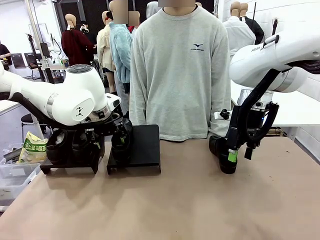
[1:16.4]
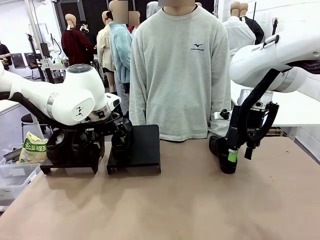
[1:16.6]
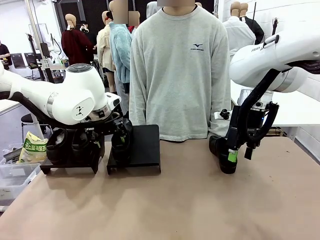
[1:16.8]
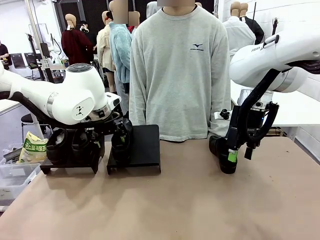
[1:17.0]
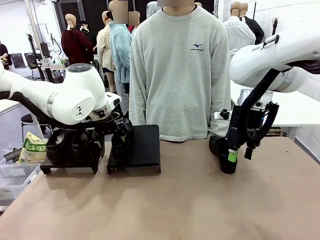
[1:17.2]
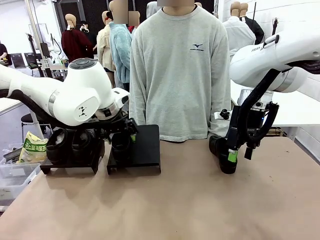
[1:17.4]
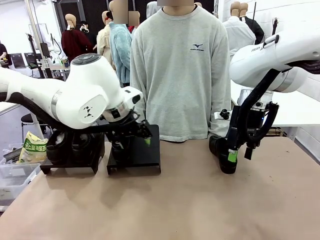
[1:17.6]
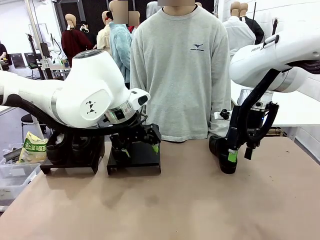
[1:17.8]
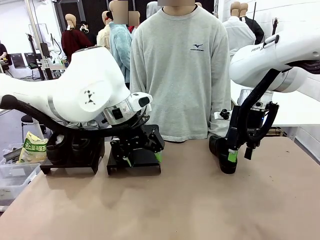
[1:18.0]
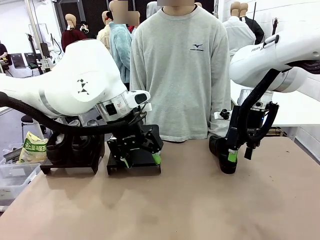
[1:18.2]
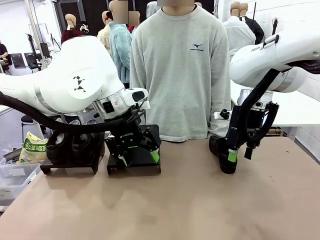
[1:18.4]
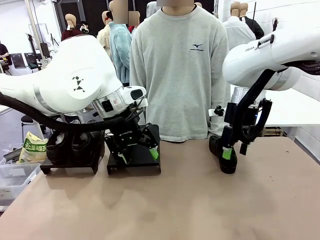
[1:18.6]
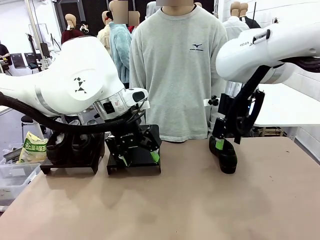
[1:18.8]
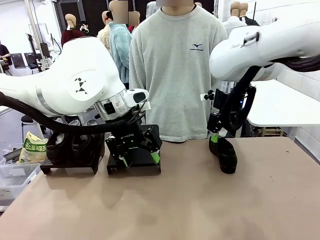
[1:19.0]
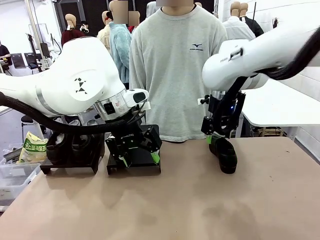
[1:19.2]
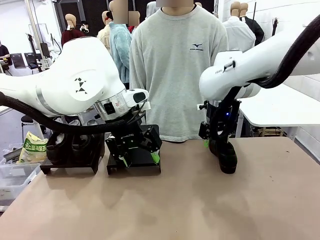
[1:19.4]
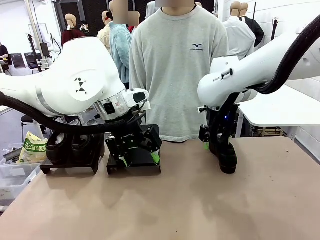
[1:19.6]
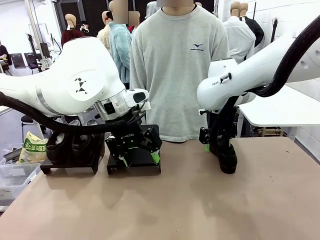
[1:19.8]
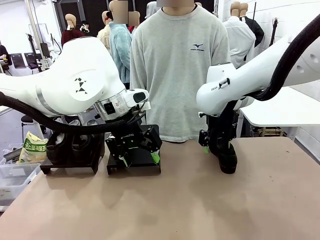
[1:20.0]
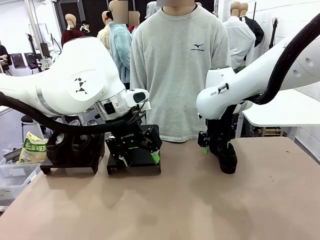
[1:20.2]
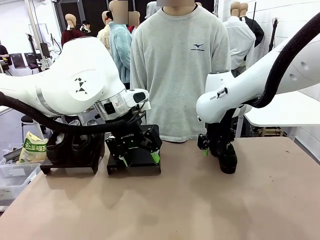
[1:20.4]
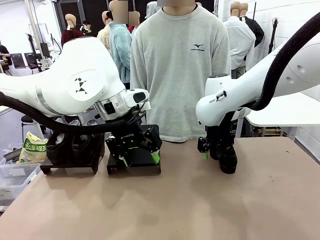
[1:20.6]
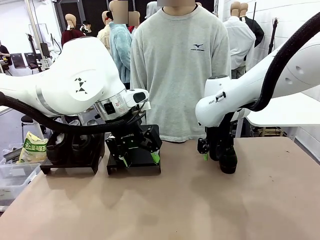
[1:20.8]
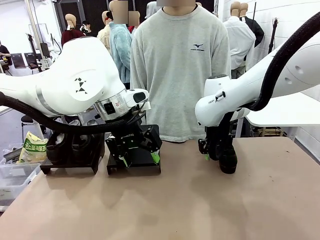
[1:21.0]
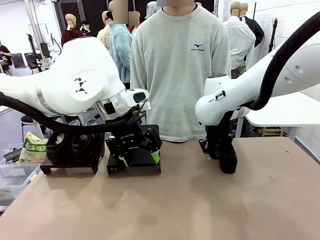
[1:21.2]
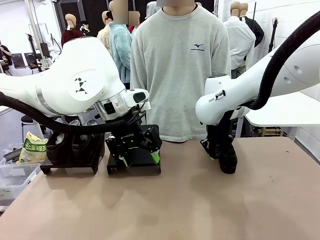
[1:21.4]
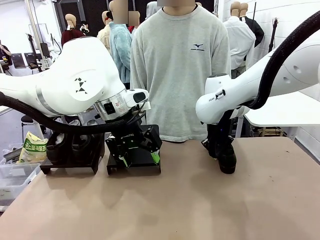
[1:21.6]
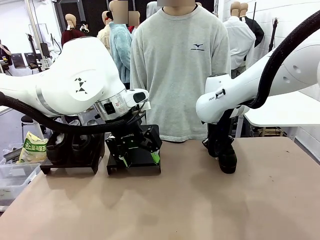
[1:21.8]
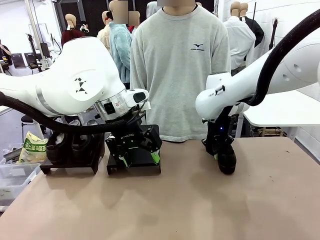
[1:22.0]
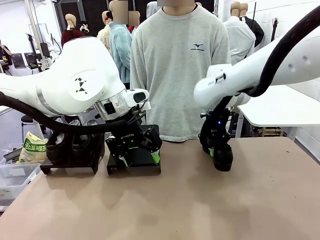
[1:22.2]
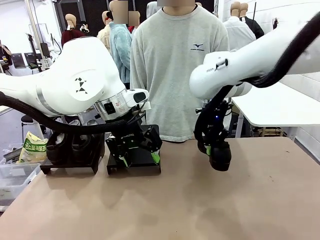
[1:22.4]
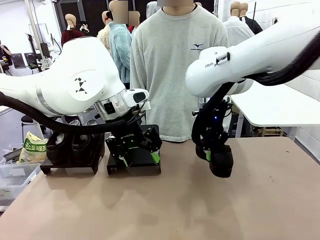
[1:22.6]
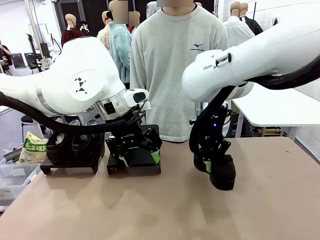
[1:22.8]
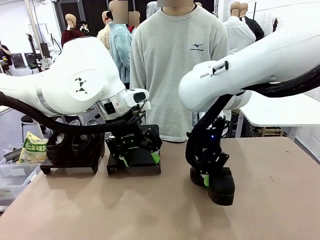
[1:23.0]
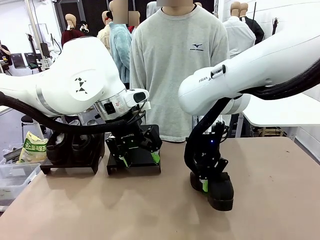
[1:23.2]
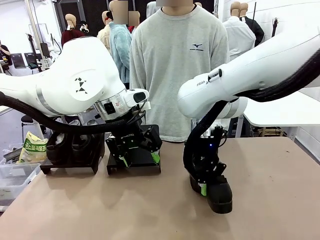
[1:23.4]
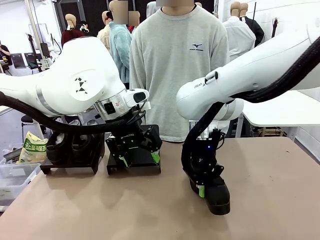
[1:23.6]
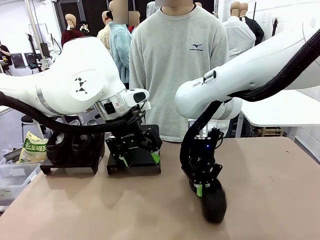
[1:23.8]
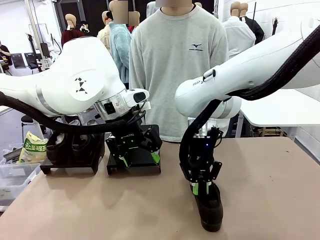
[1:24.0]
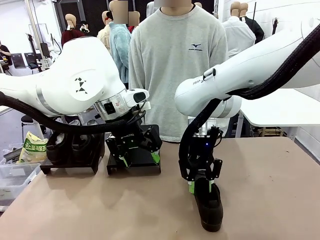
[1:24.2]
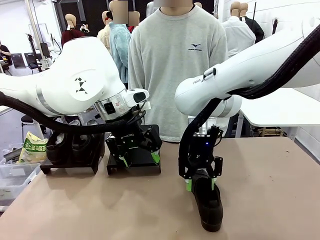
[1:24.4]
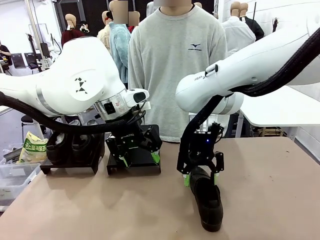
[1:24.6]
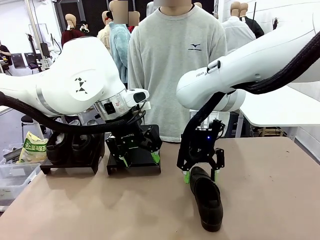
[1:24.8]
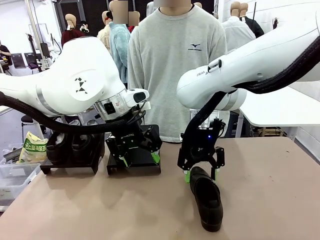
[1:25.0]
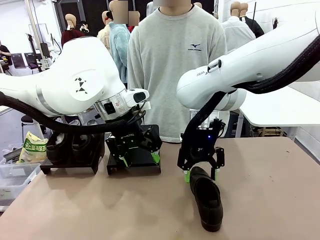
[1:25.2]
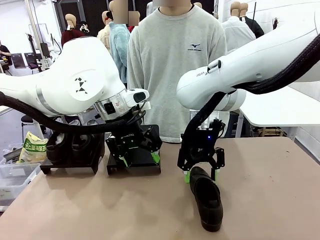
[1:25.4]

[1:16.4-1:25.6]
Task: Organize the shoes by placing them on the stand.
Robot: Pick up one Shoe and place it in the middle of the table.

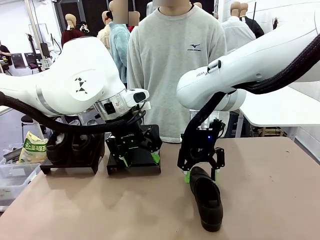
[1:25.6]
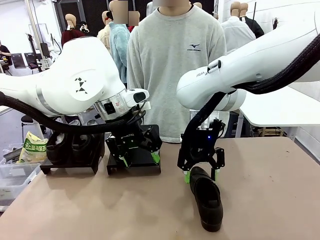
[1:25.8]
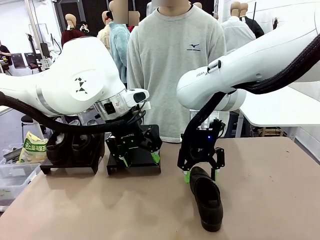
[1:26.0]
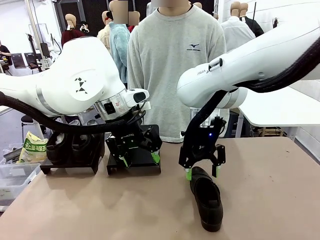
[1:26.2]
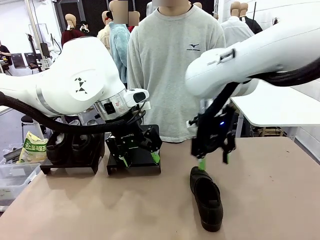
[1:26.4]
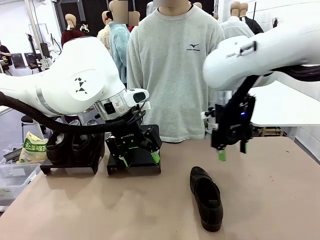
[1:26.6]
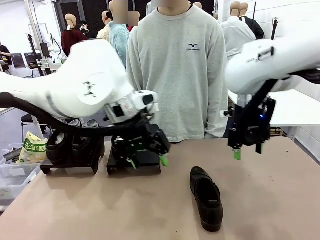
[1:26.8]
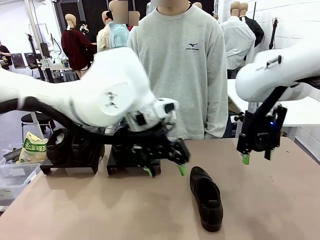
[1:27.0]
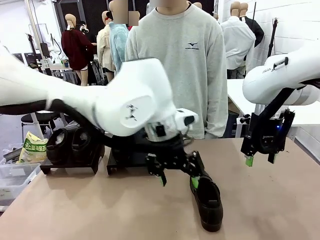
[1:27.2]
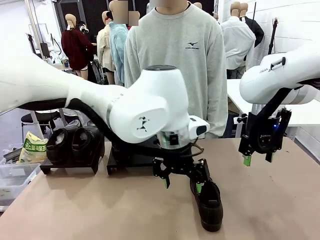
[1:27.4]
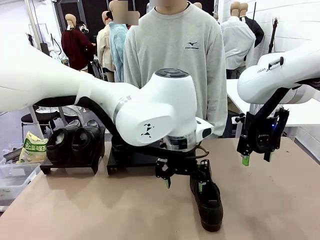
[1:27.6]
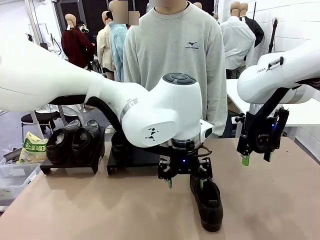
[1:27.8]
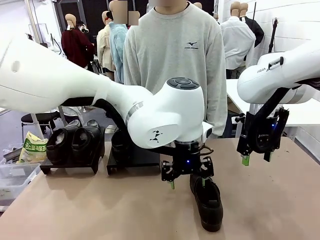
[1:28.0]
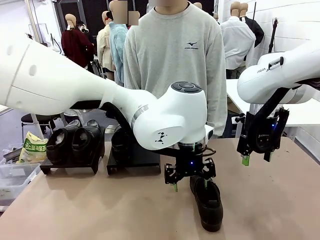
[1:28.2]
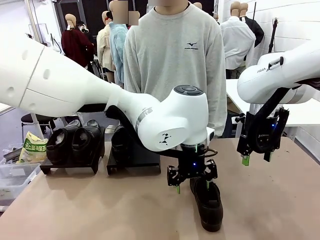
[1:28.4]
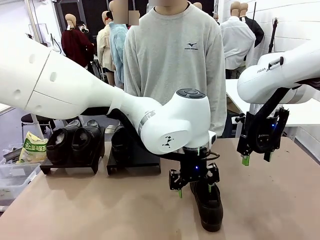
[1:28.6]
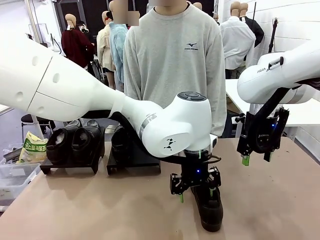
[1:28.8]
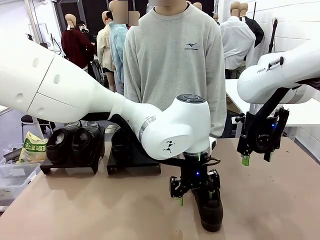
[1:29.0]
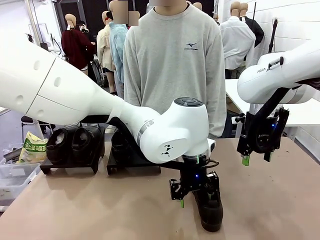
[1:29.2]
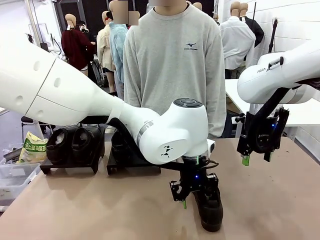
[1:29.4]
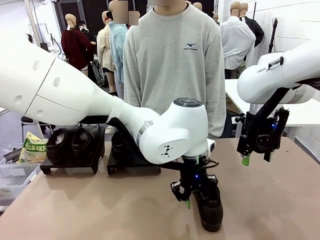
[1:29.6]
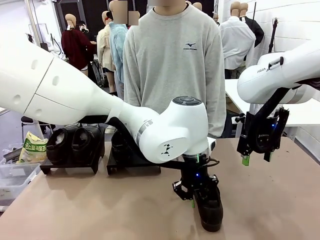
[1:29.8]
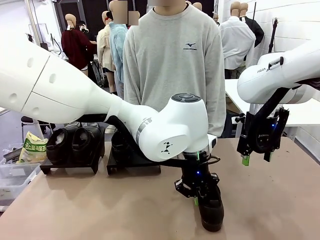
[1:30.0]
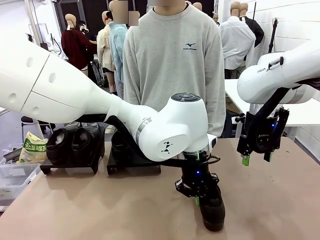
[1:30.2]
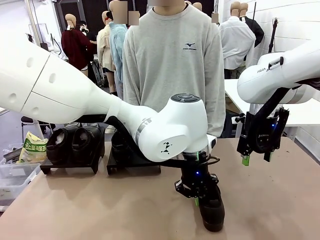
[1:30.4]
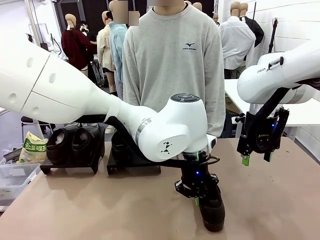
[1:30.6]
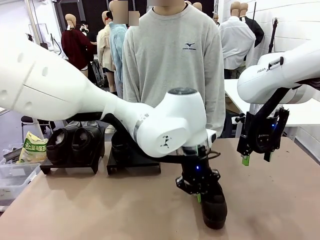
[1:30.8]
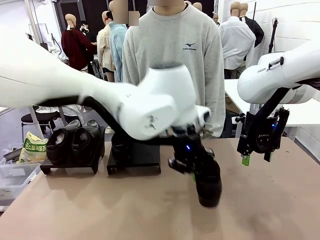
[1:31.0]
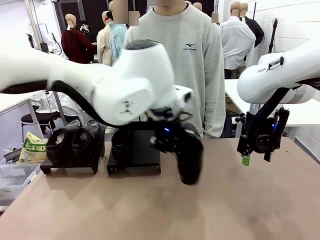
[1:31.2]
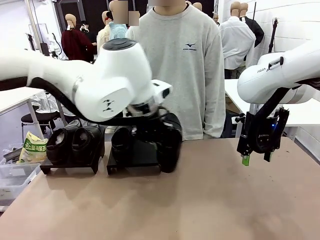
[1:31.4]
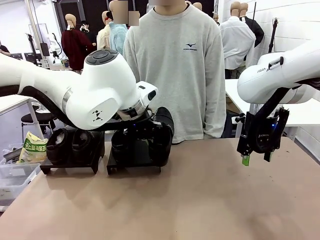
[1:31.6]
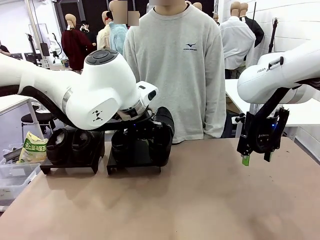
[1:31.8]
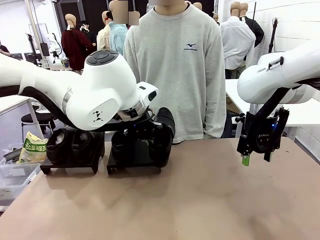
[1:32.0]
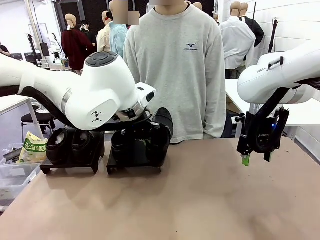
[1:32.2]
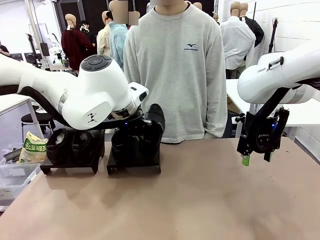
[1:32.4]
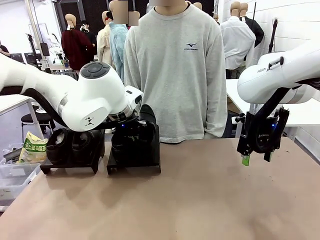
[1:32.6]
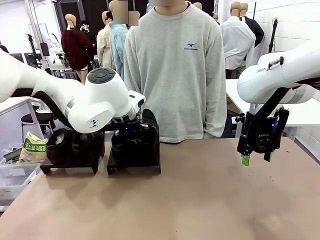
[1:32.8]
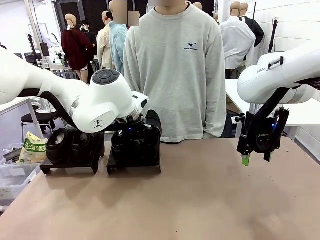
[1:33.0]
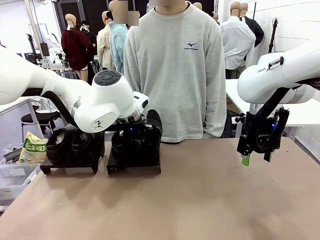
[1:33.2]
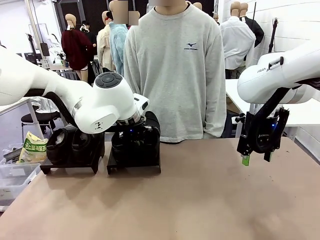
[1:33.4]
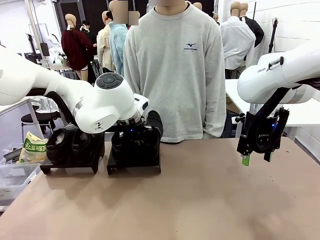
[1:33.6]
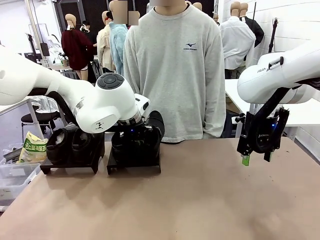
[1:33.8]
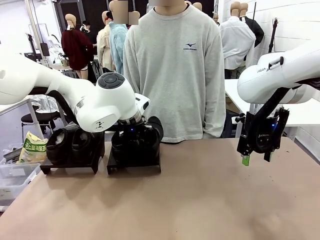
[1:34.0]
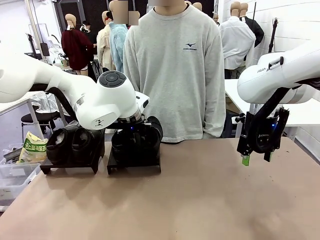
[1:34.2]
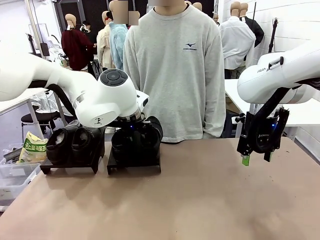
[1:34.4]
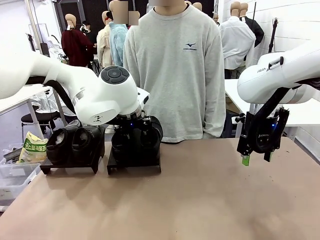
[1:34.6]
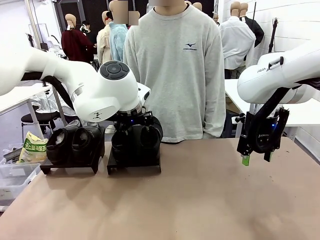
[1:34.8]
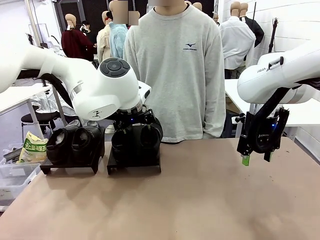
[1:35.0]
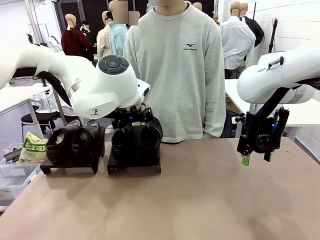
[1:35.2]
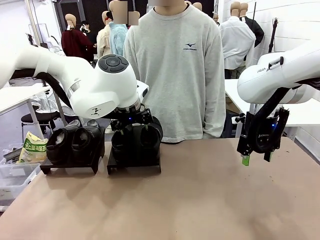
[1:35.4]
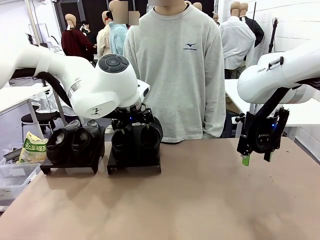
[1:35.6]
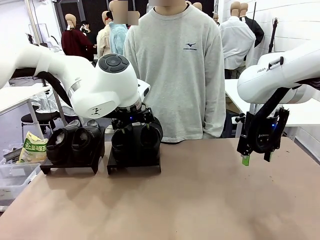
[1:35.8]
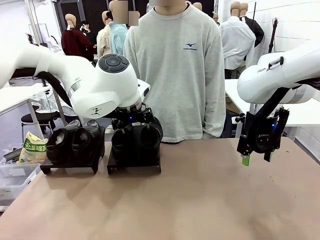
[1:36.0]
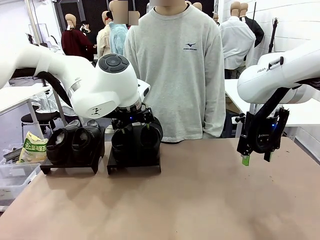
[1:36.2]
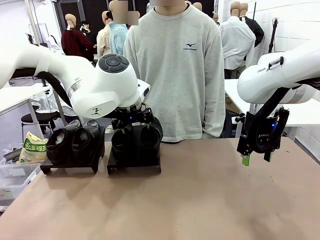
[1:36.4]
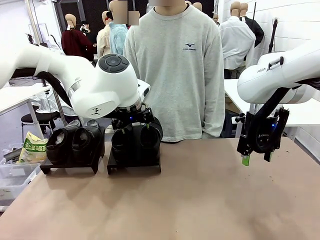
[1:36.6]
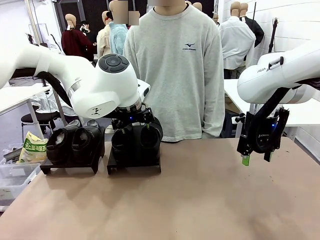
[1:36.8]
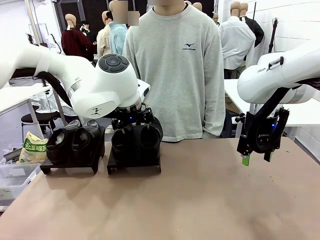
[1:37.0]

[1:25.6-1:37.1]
Robot: Place the Shoe from the middle of the table onto the Shoes Stand.
